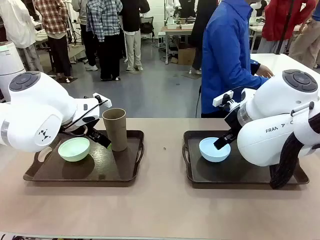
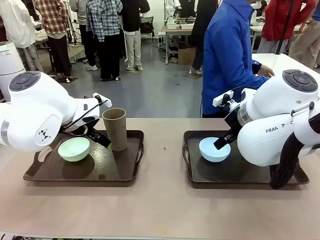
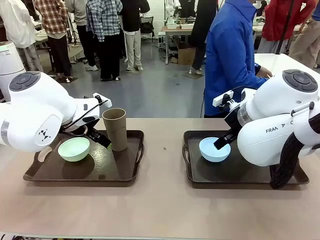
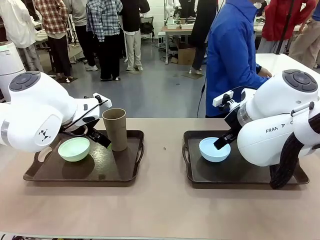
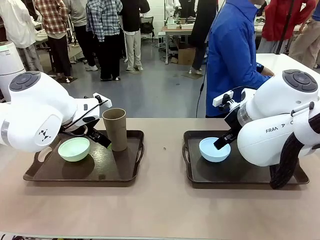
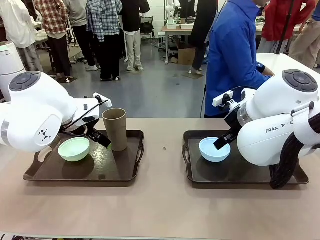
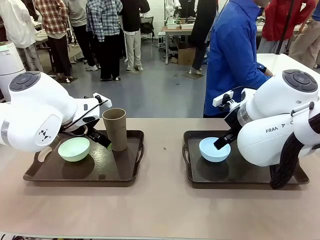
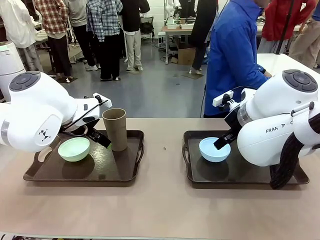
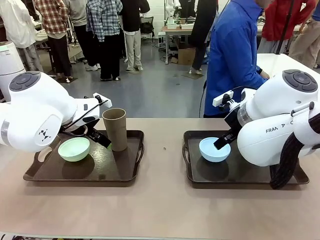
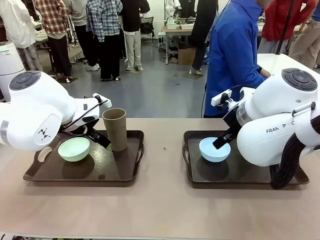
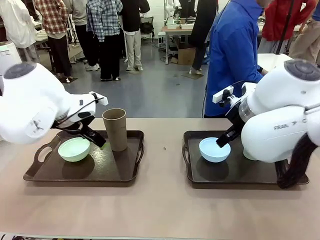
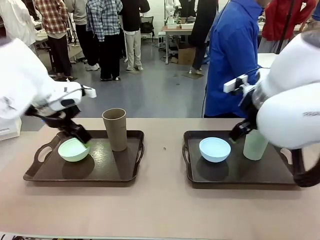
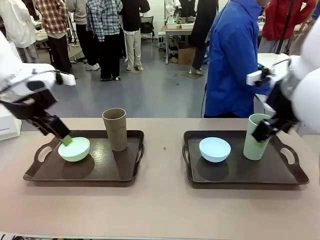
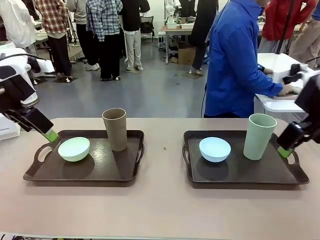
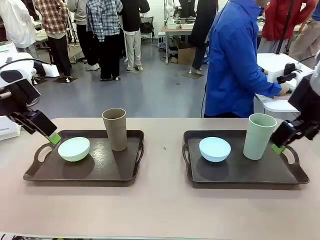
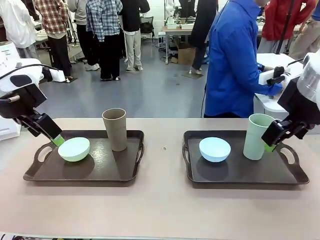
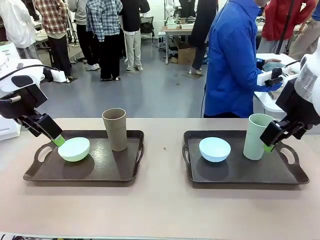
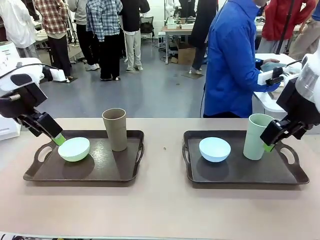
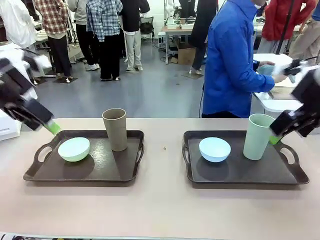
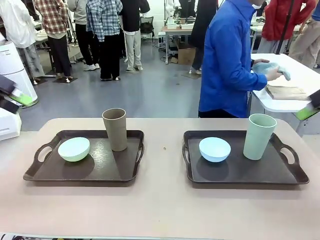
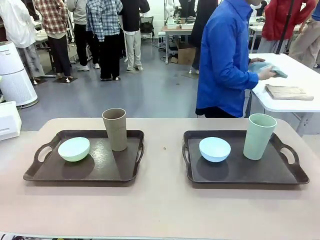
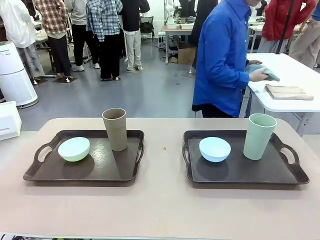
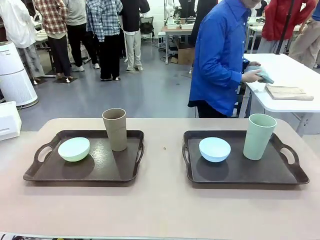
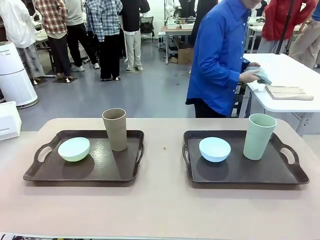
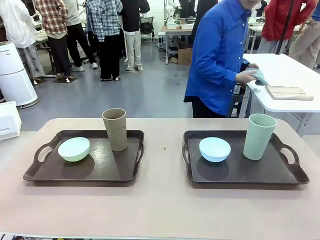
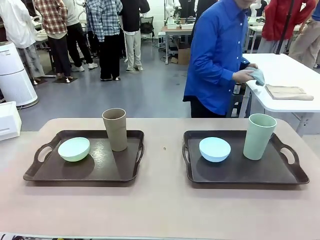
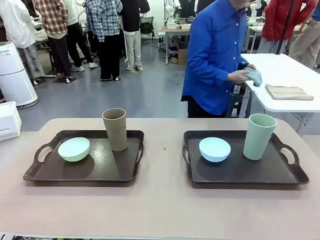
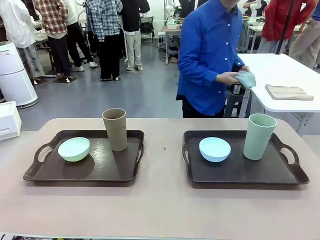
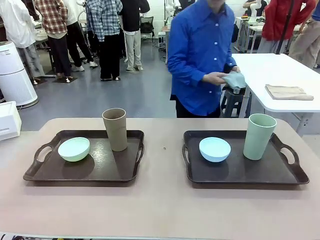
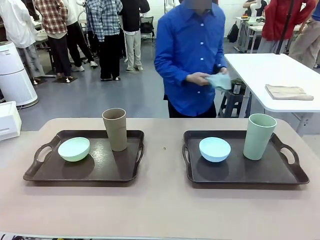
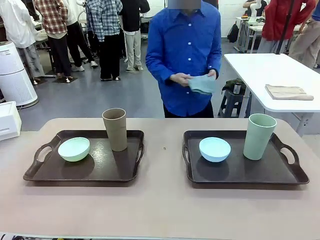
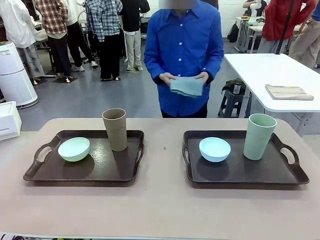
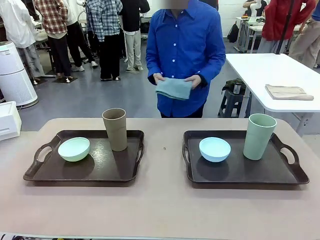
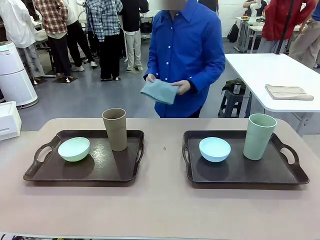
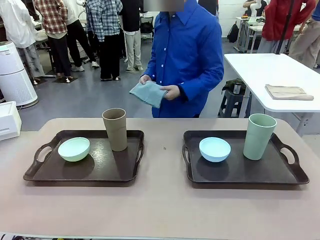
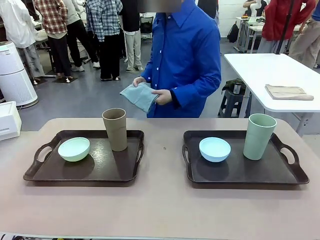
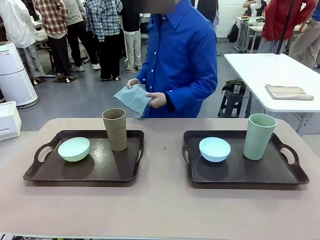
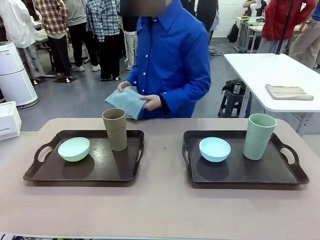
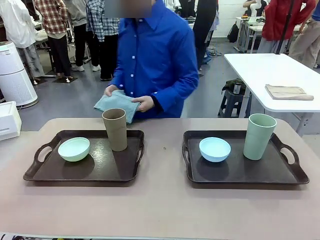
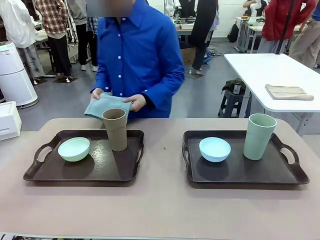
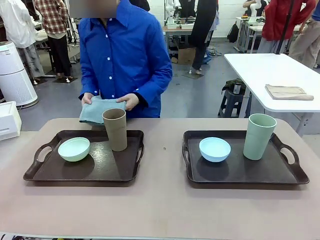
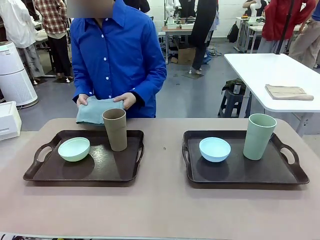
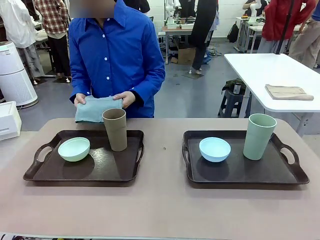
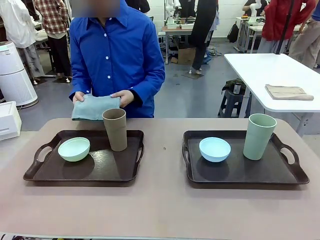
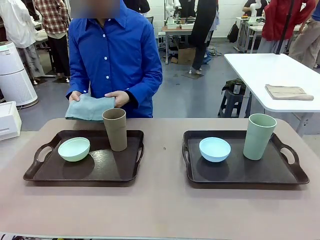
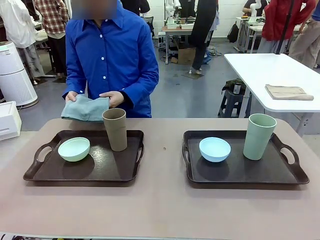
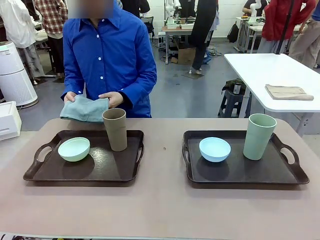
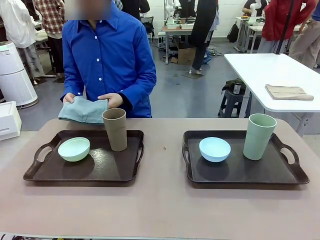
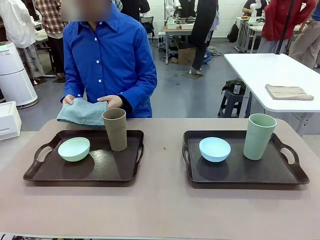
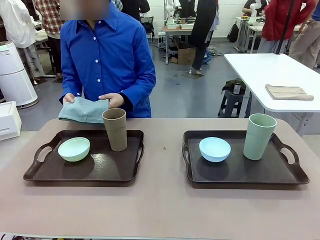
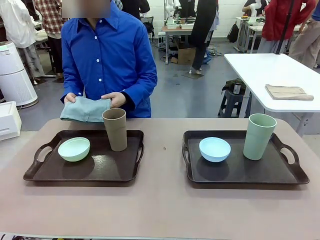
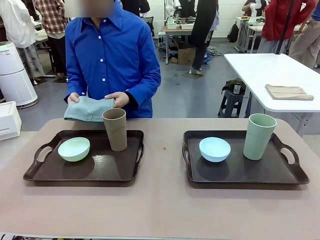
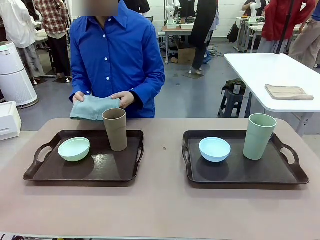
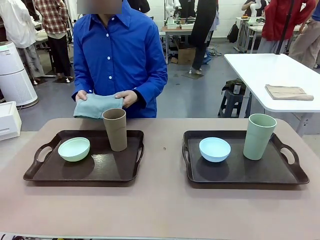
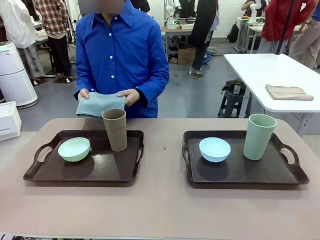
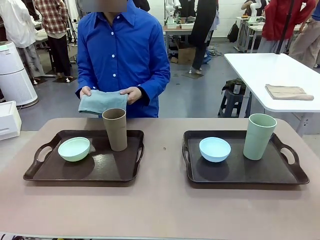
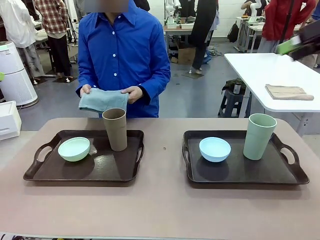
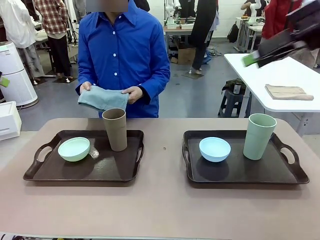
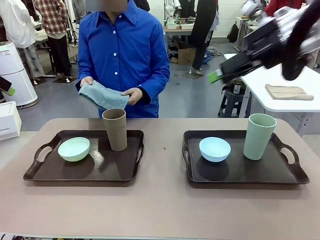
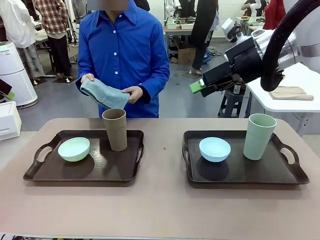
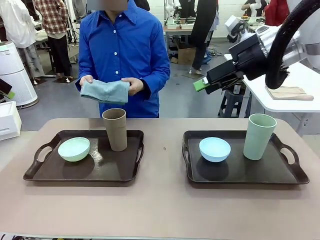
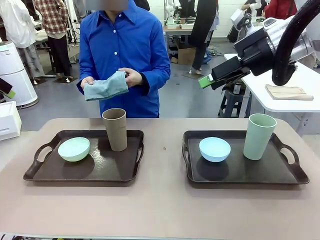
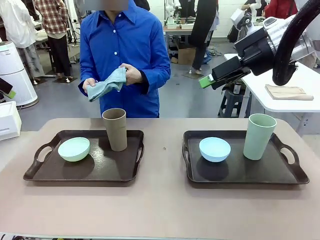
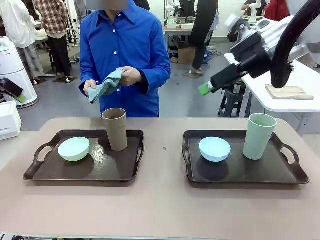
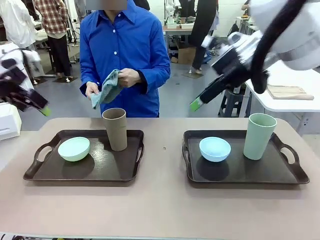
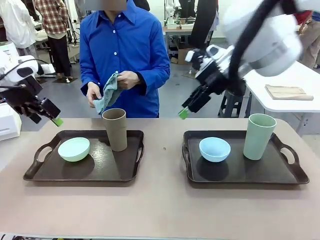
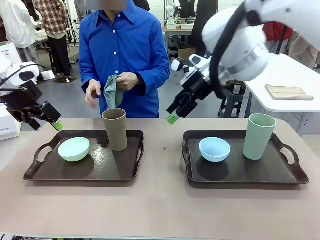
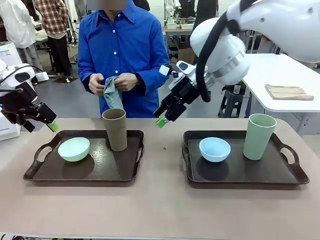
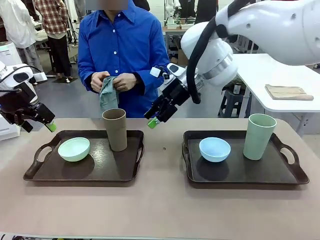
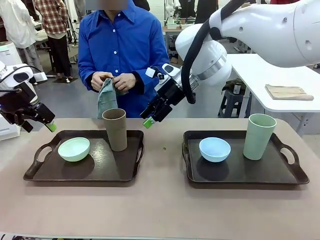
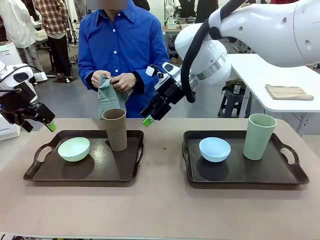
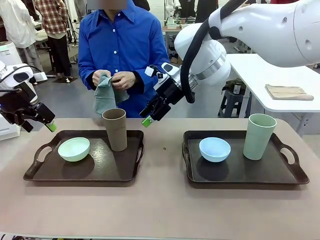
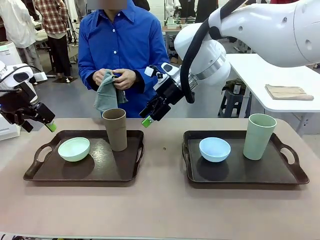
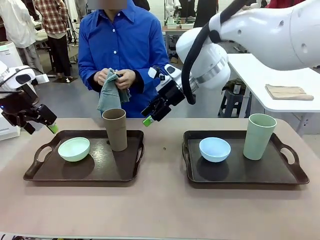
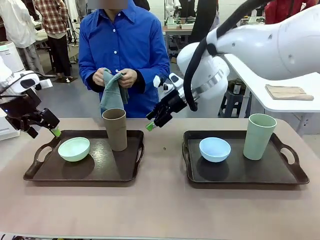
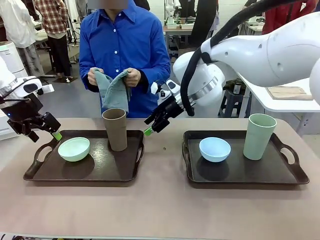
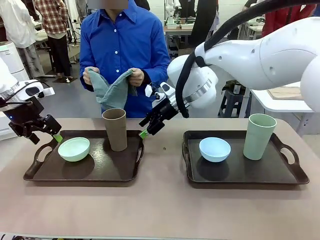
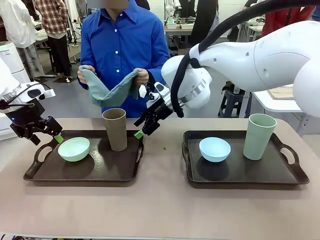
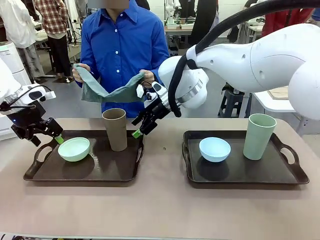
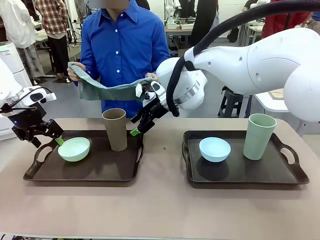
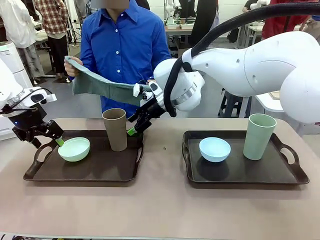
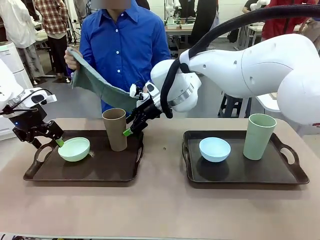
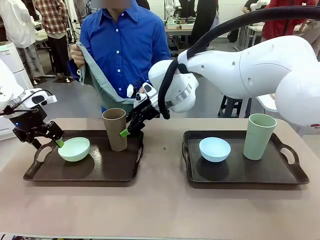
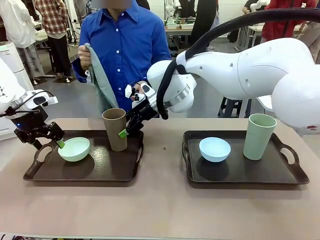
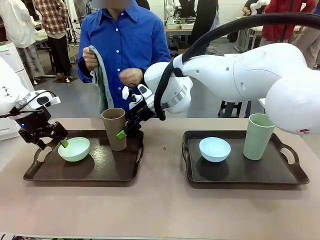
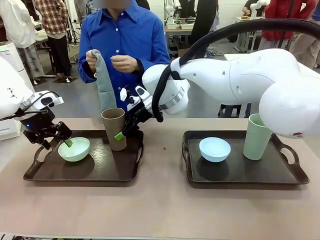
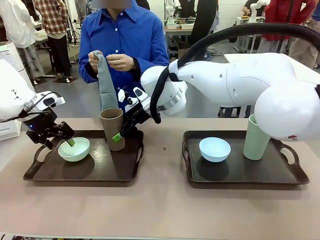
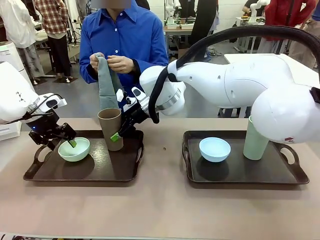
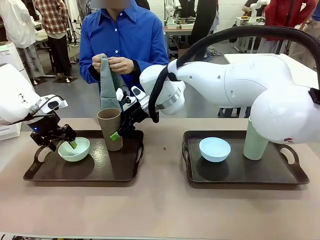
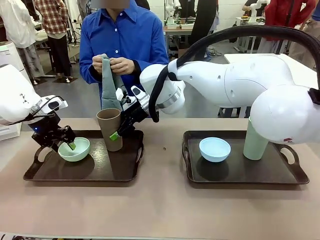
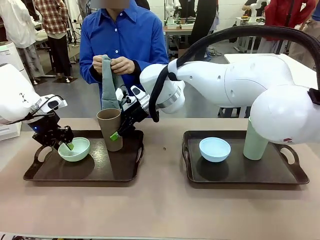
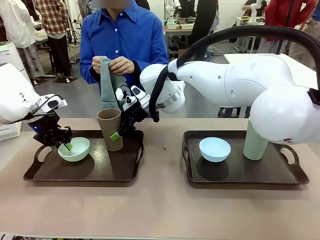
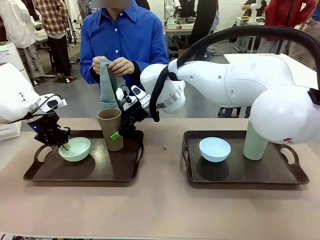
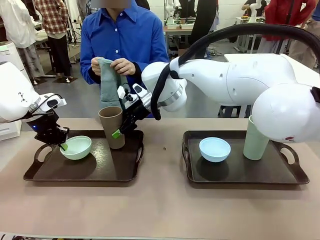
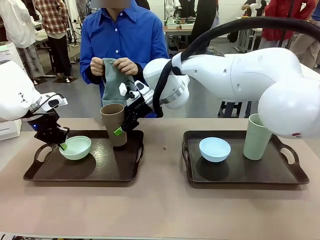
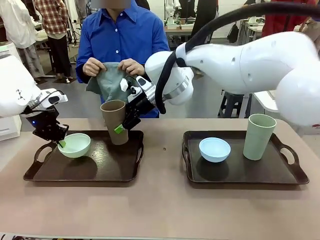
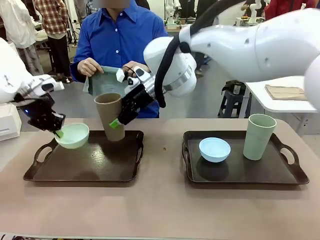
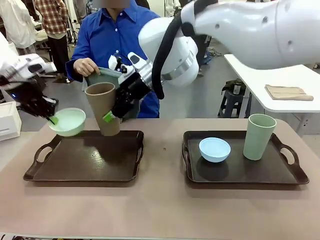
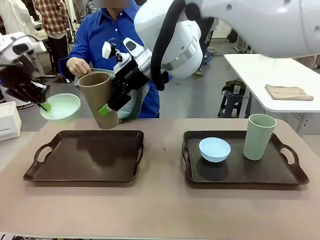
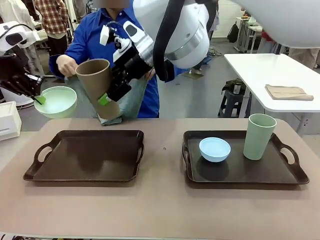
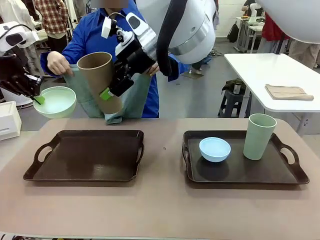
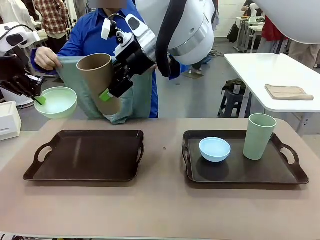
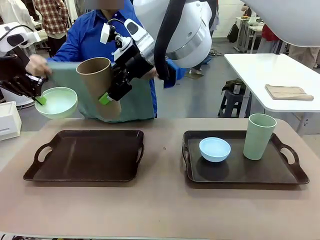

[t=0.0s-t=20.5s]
Robot: Pick up the Picnic Bowl and Reusable plastic cup from the Handle tray in front of the human's position and hold them in the air.
Person: The human picks up the top napkin from the stack on the human table and walks to the robot table to stand in front of one of the two trays. When the robot lifts the bowl and the cup, the human unfolds the napkin and lays the napkin flat on the tray.
